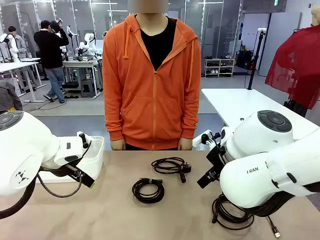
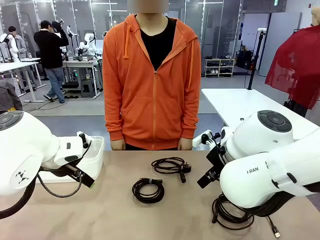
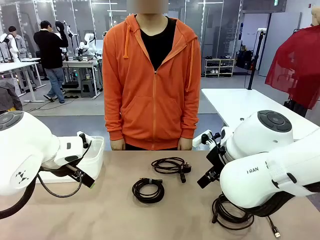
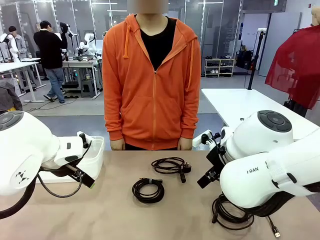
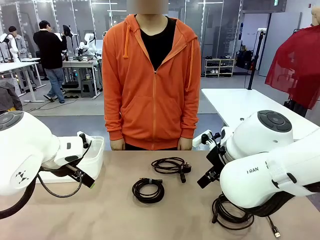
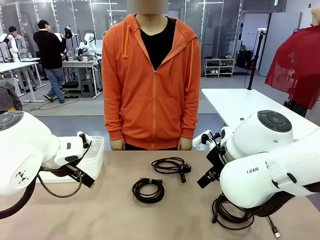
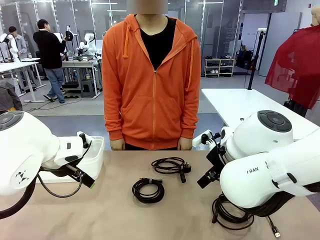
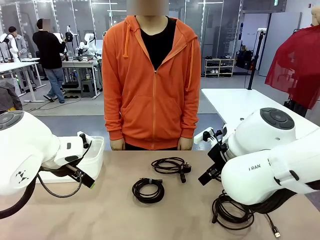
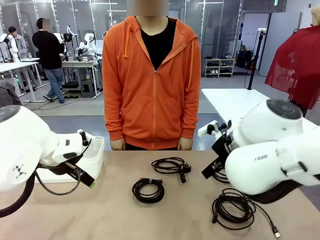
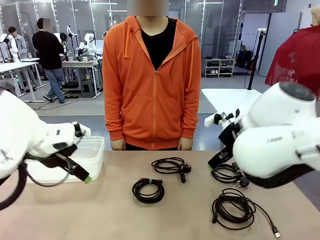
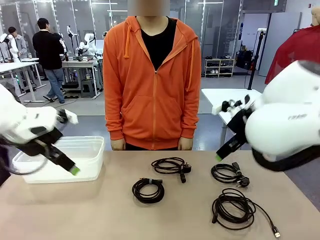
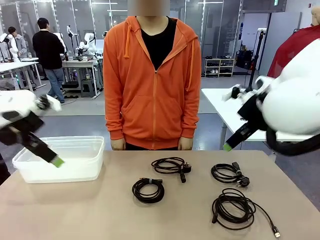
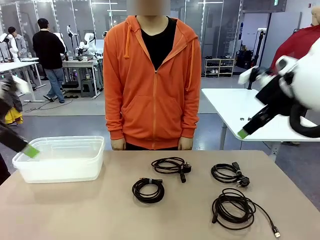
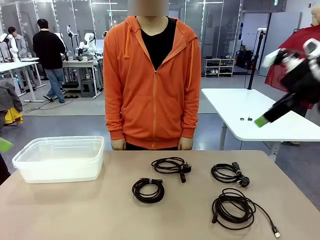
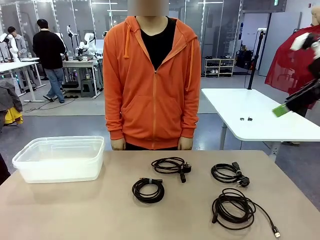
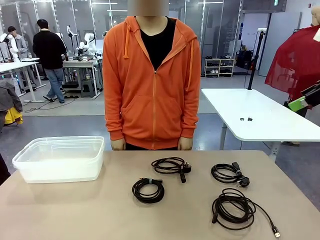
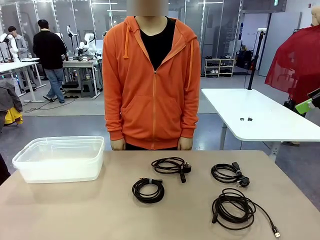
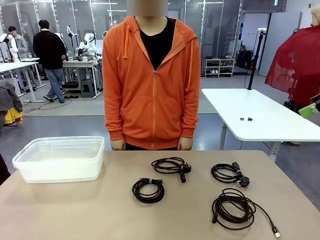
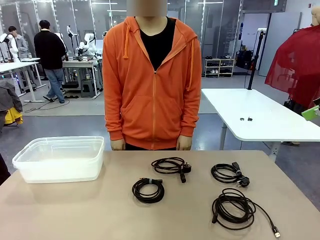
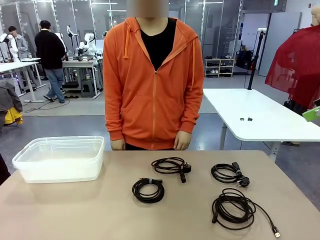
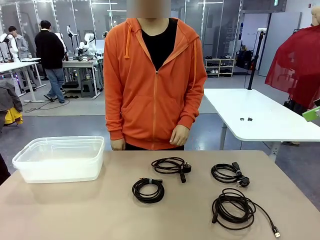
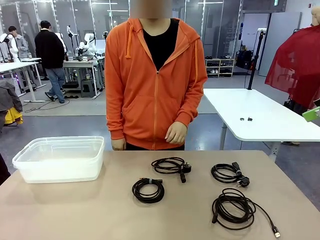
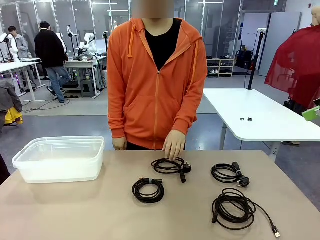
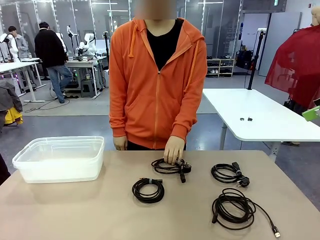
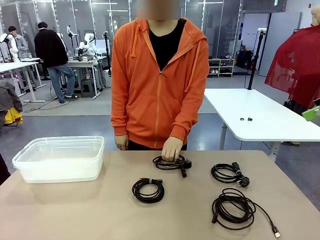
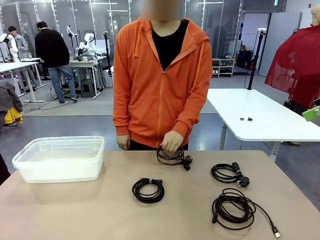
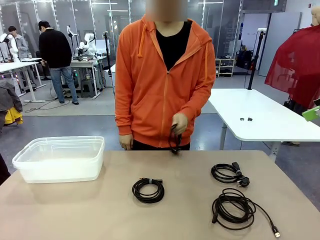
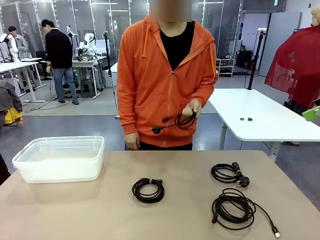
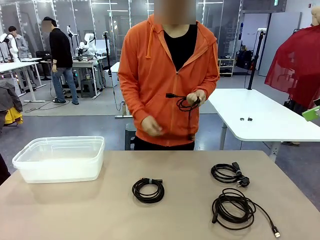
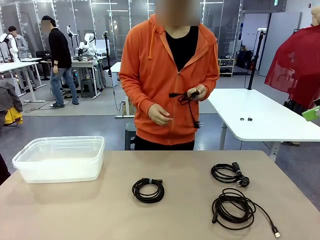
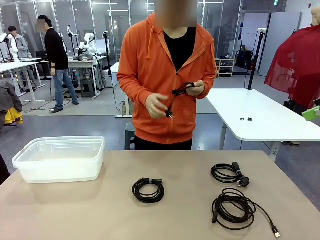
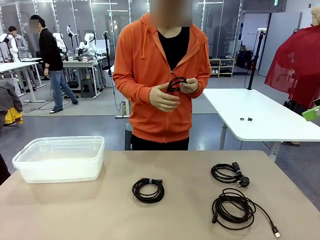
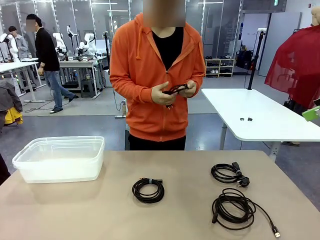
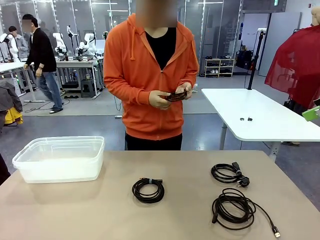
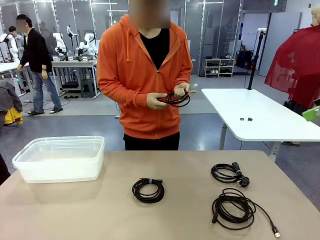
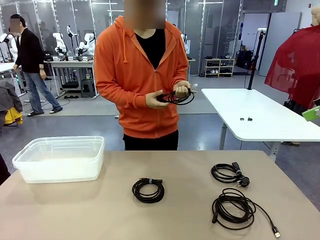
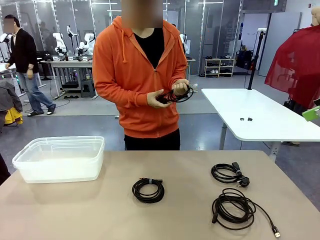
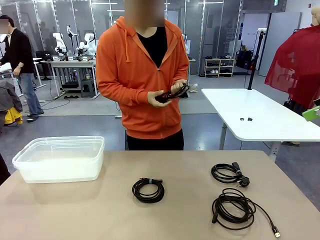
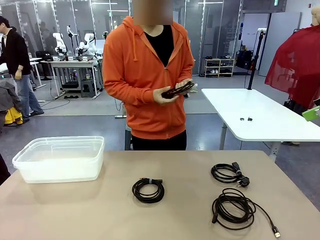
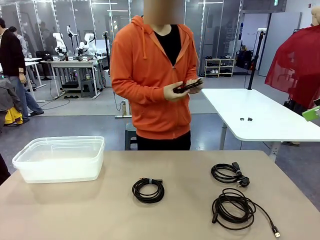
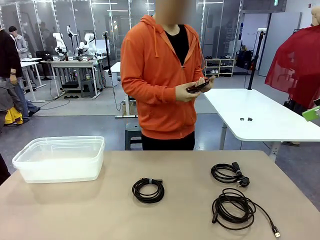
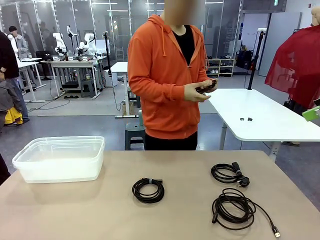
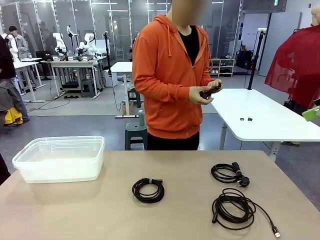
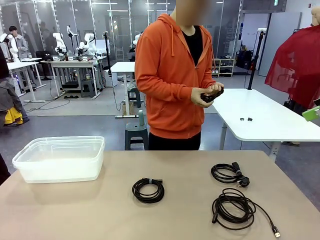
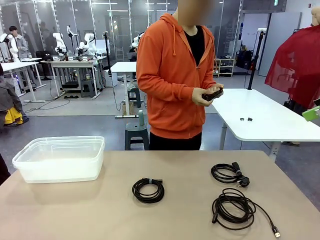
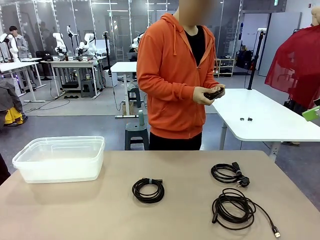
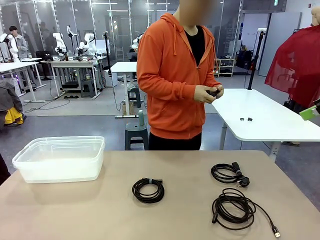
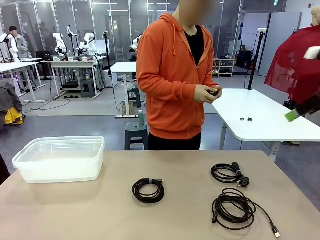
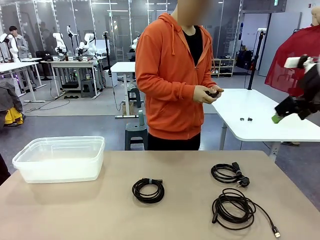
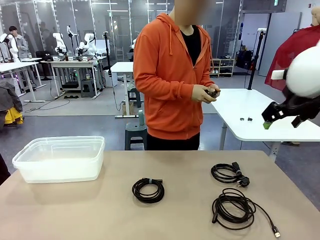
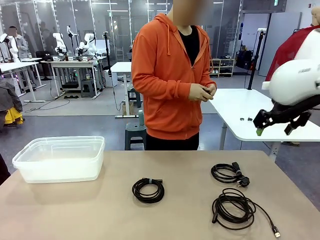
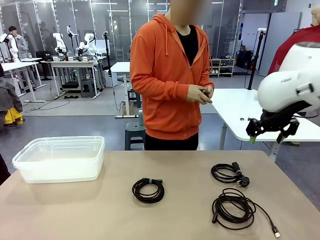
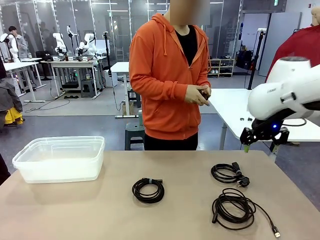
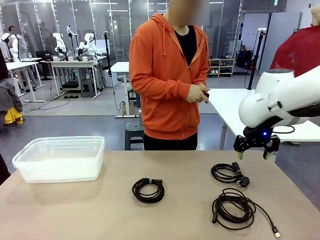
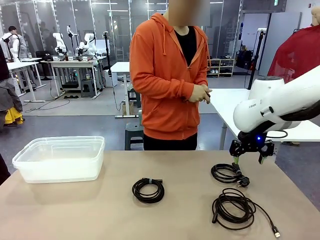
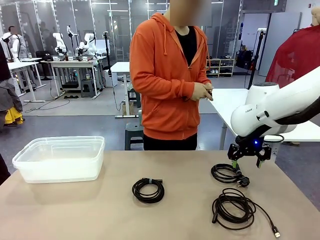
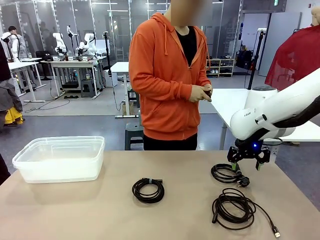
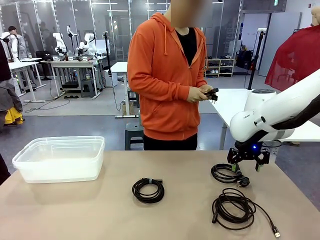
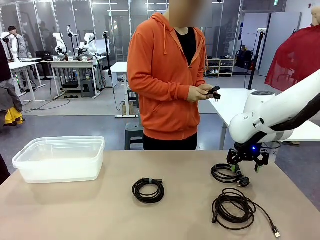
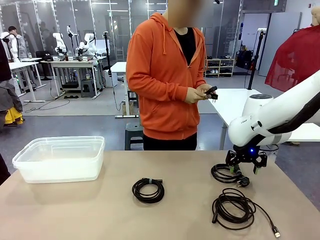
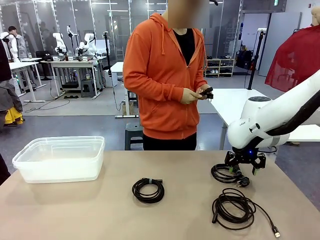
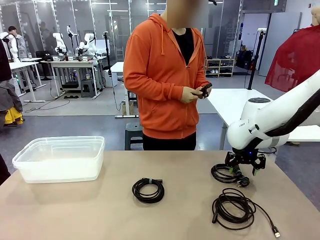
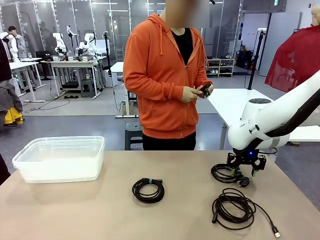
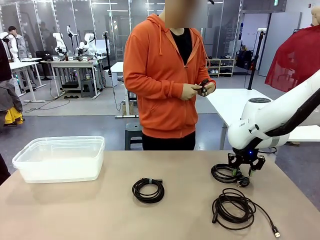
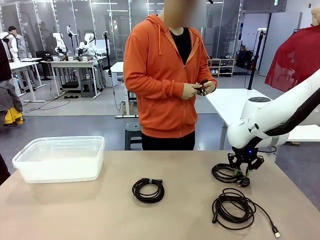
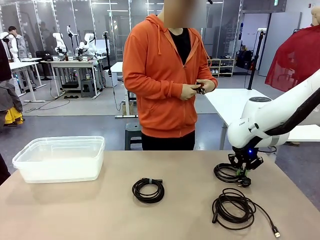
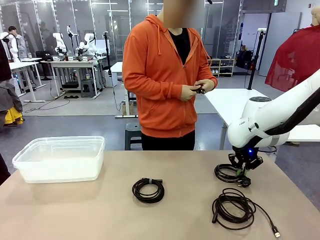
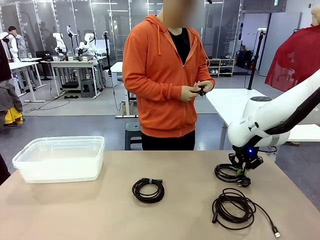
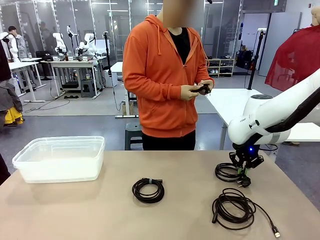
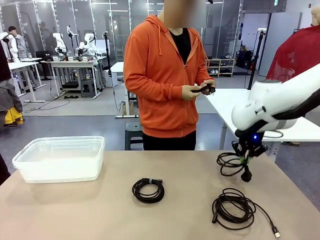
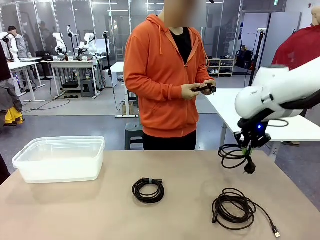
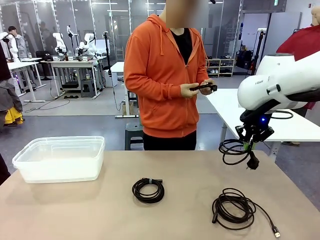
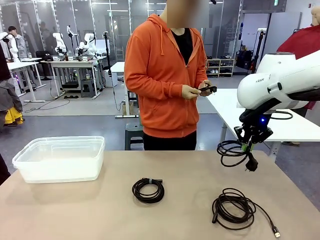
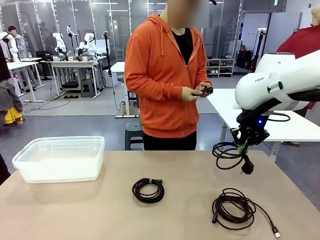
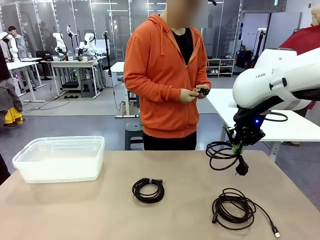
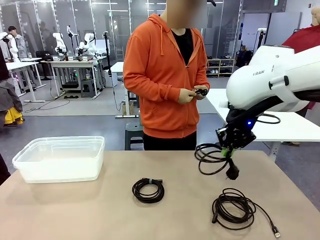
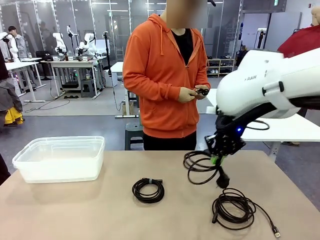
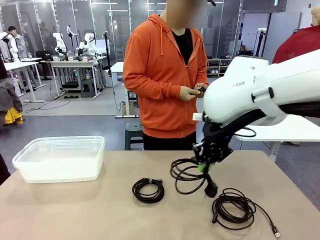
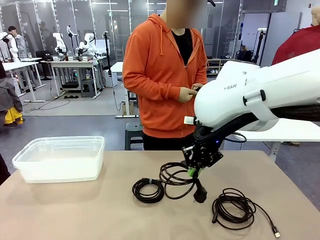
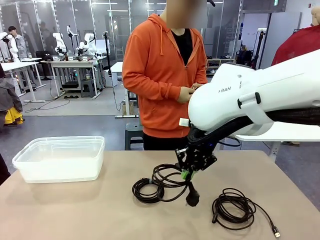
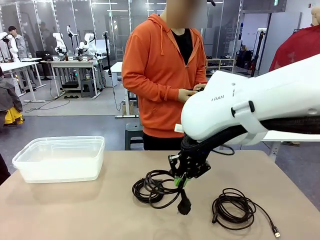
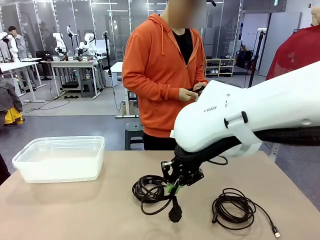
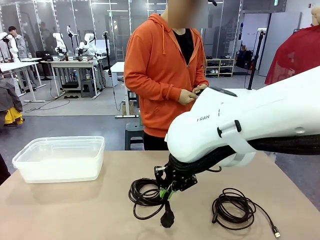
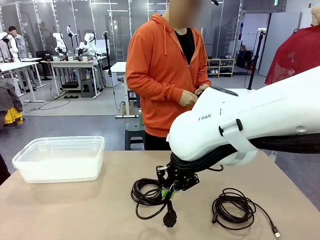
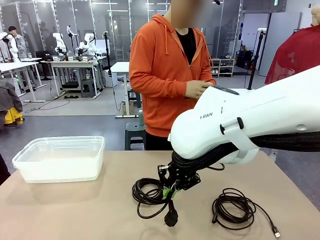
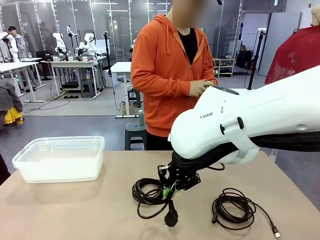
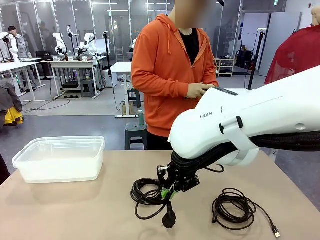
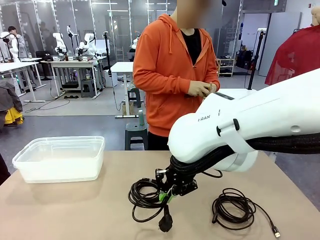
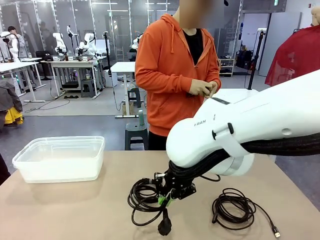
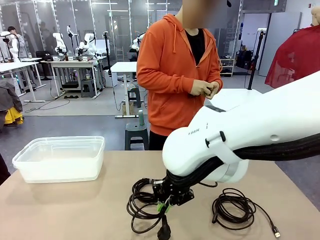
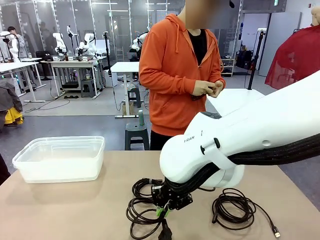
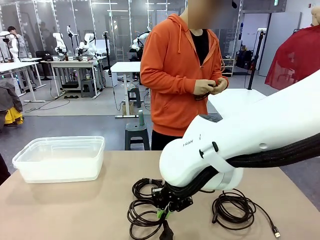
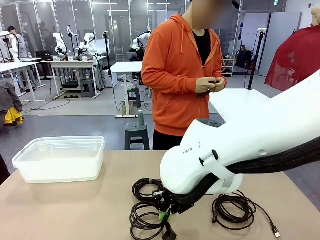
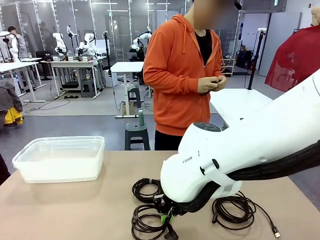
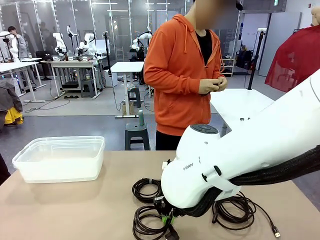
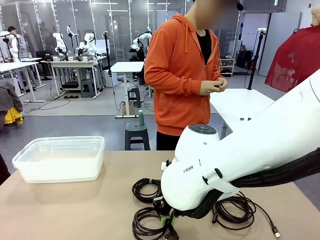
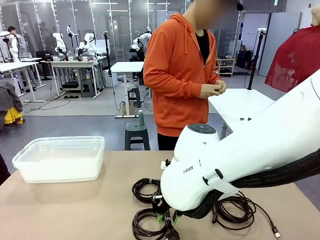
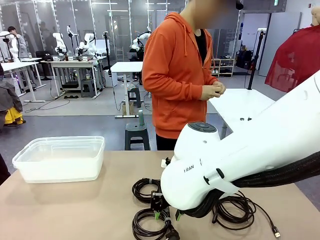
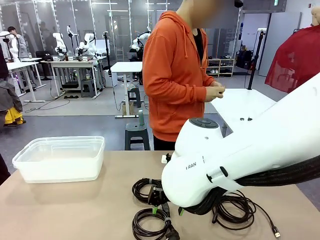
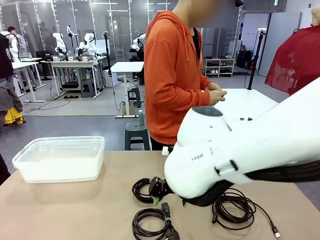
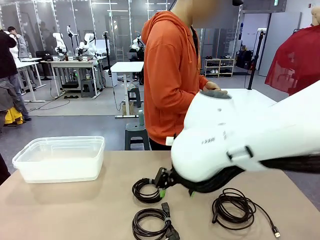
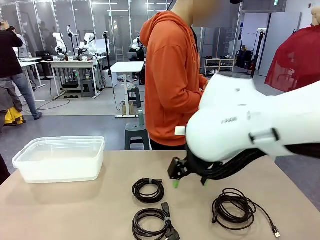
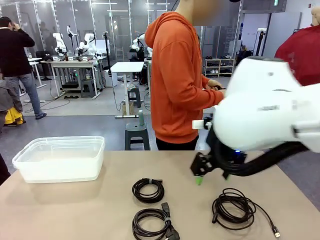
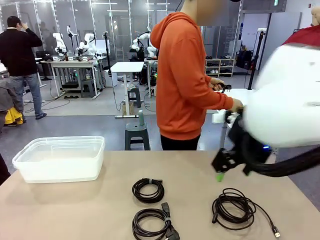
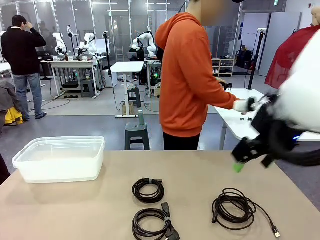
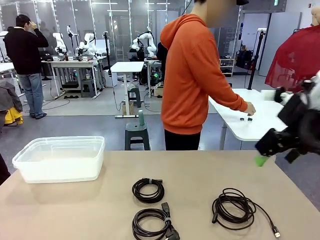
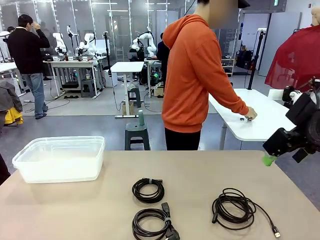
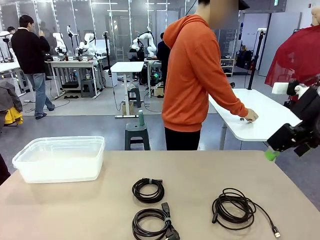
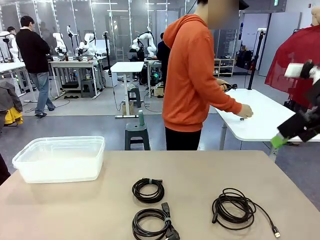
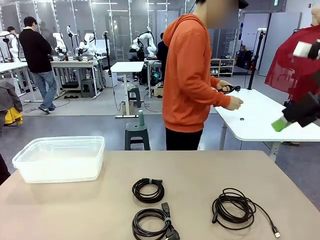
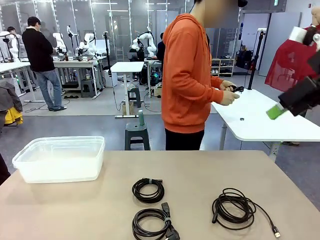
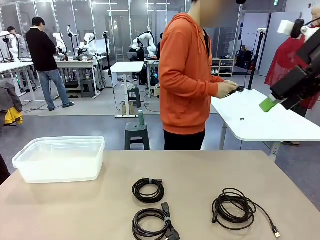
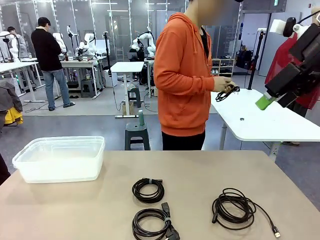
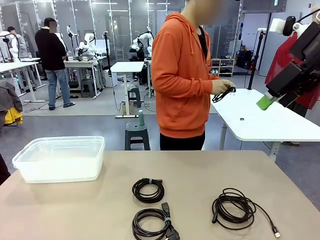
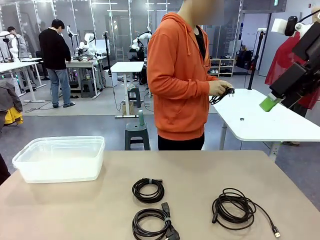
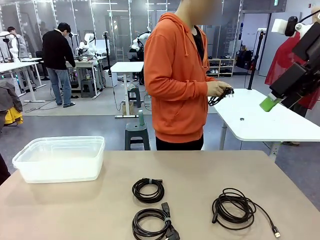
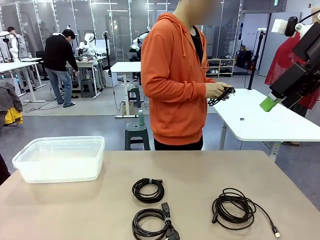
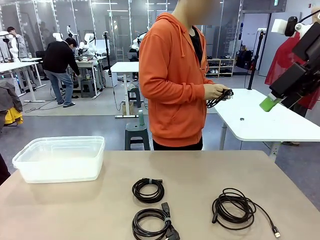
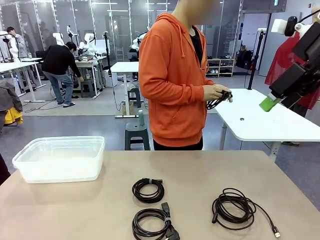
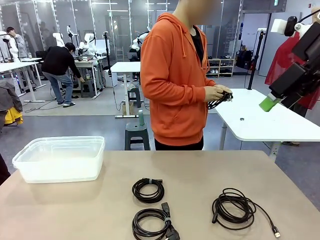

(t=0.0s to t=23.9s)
Task: Organize and store the cables.
Robot: Place the Power Cable into the Organizing box.
Person: Tie one Power Cable with a Reusable Cable Tie.
